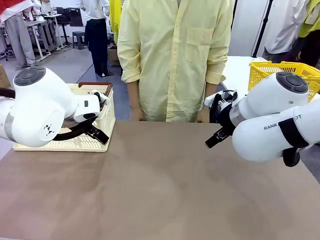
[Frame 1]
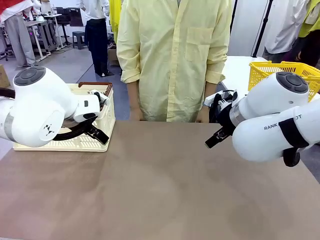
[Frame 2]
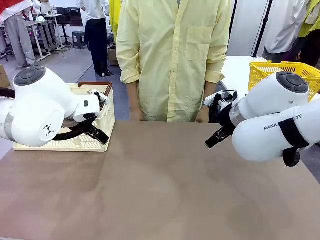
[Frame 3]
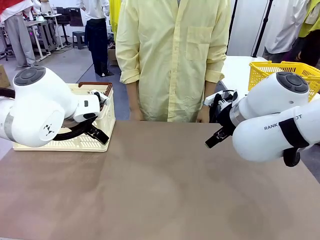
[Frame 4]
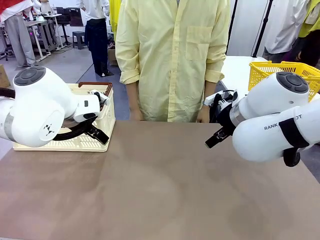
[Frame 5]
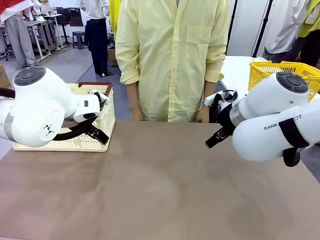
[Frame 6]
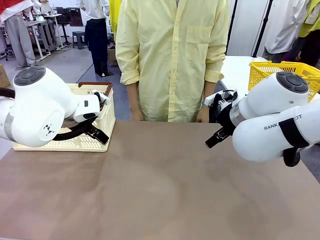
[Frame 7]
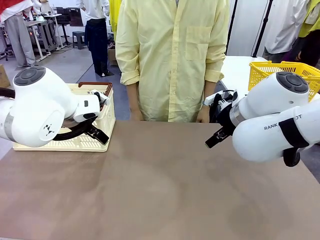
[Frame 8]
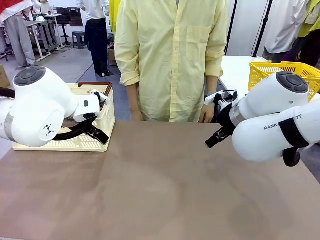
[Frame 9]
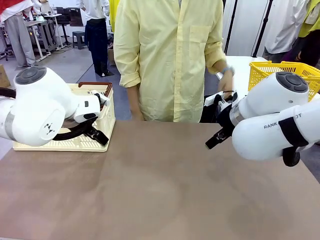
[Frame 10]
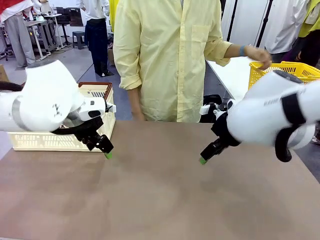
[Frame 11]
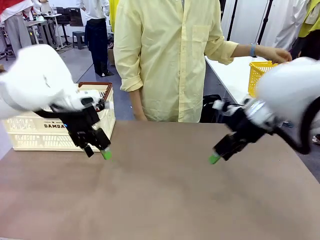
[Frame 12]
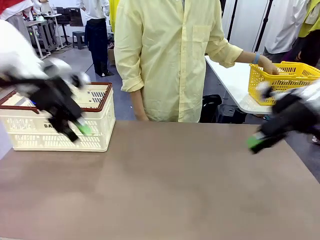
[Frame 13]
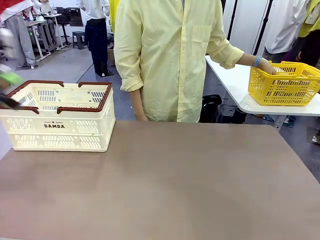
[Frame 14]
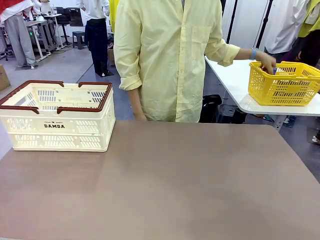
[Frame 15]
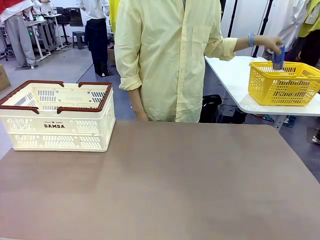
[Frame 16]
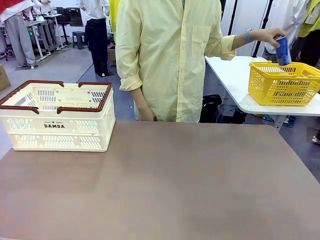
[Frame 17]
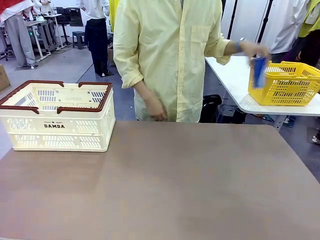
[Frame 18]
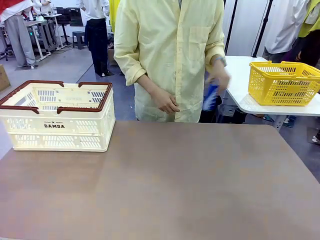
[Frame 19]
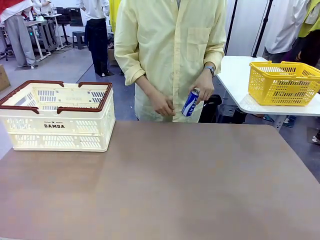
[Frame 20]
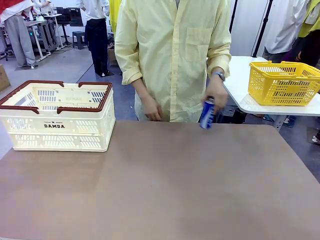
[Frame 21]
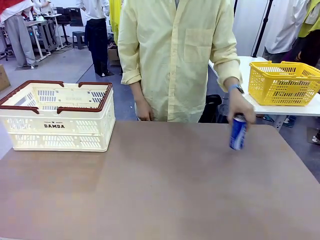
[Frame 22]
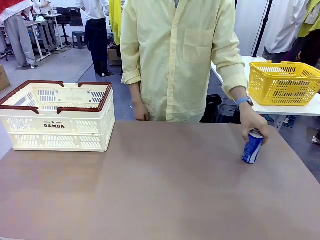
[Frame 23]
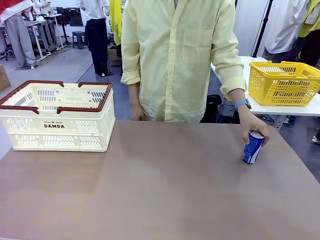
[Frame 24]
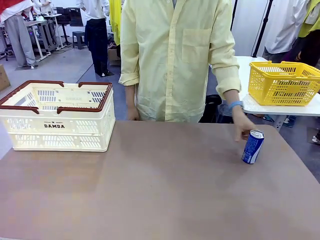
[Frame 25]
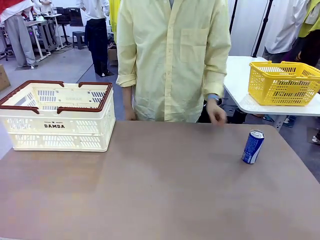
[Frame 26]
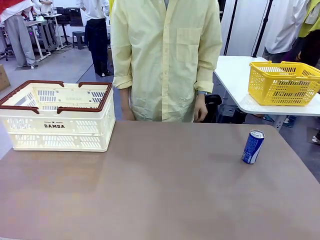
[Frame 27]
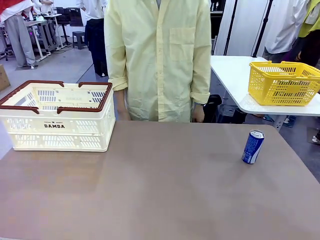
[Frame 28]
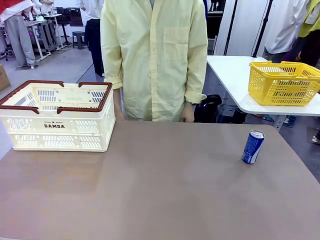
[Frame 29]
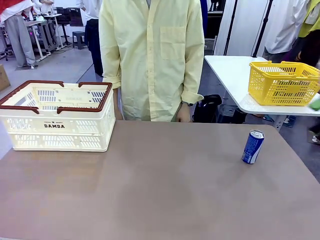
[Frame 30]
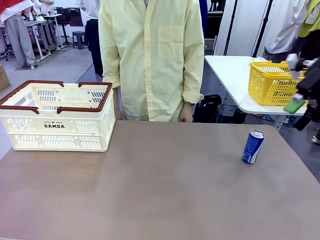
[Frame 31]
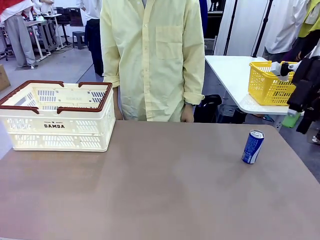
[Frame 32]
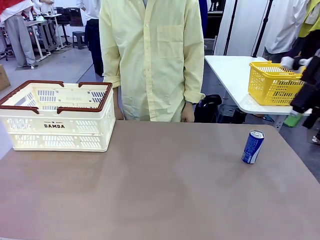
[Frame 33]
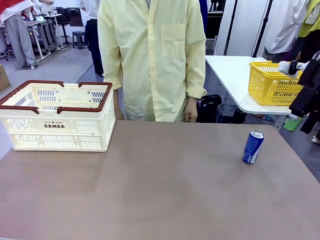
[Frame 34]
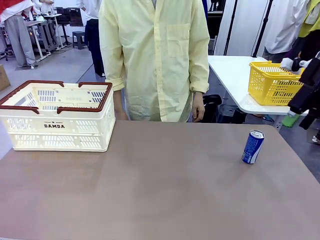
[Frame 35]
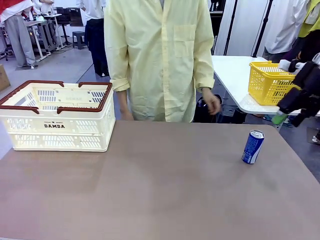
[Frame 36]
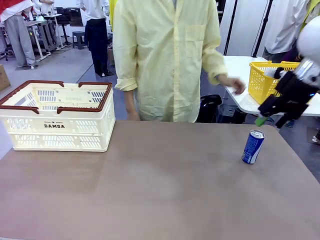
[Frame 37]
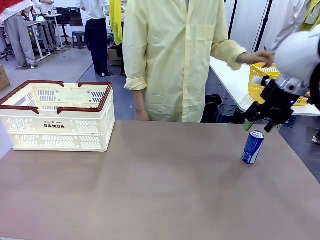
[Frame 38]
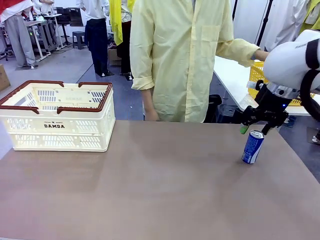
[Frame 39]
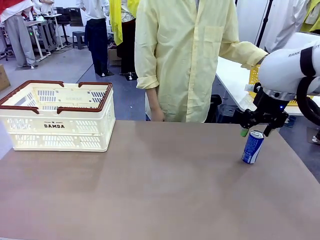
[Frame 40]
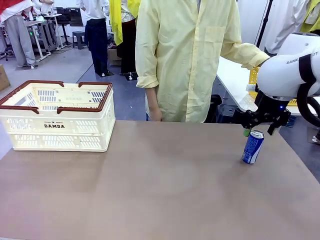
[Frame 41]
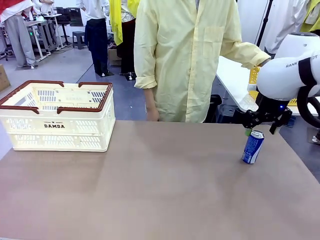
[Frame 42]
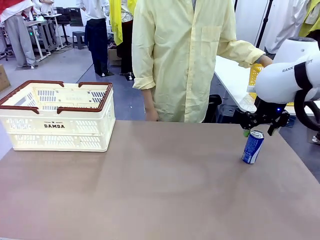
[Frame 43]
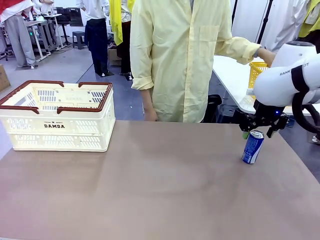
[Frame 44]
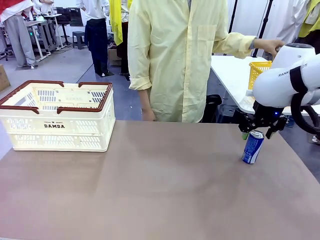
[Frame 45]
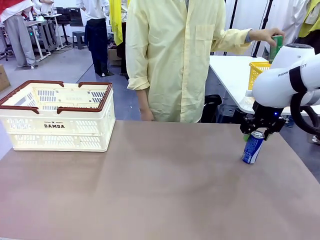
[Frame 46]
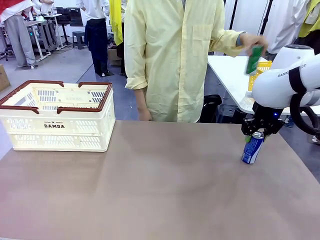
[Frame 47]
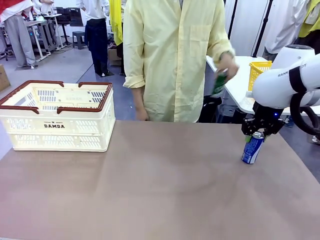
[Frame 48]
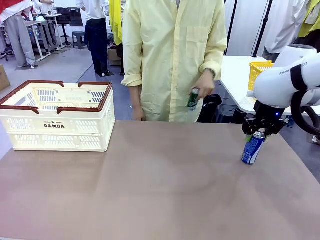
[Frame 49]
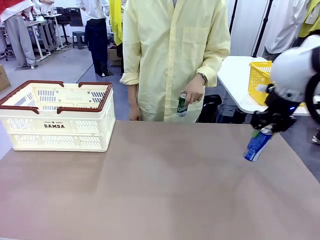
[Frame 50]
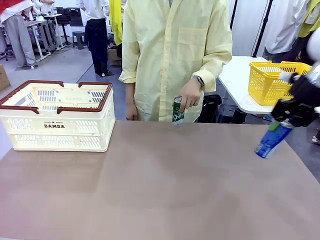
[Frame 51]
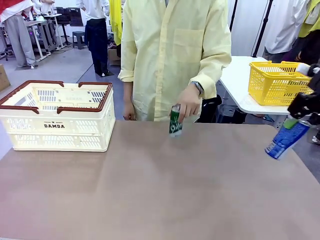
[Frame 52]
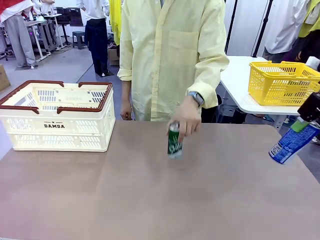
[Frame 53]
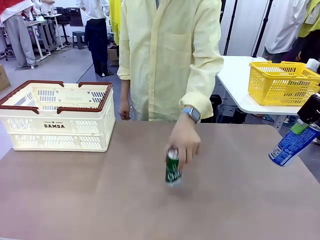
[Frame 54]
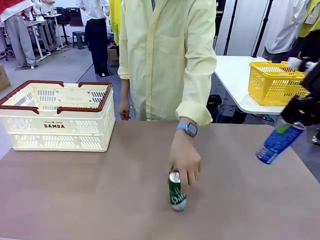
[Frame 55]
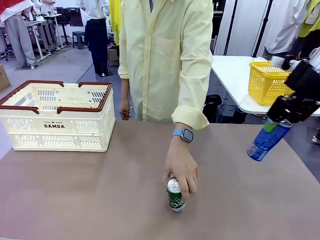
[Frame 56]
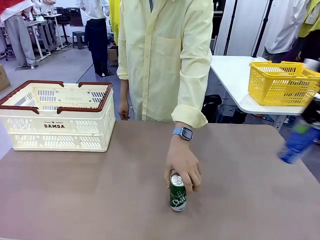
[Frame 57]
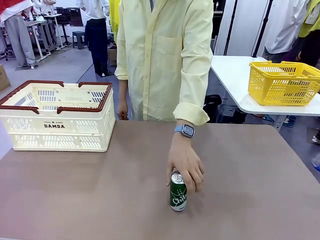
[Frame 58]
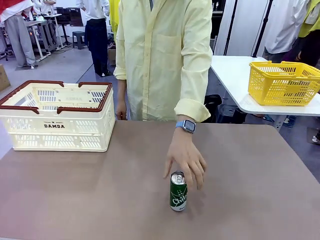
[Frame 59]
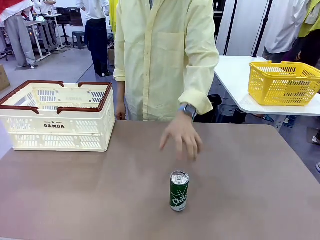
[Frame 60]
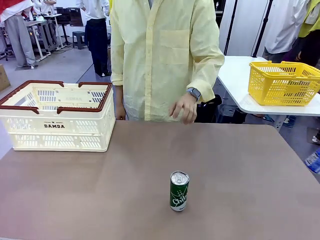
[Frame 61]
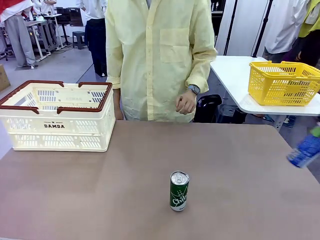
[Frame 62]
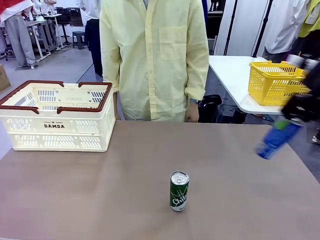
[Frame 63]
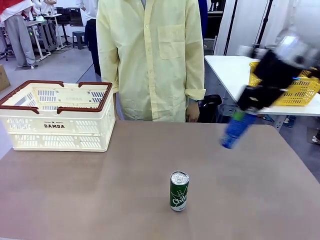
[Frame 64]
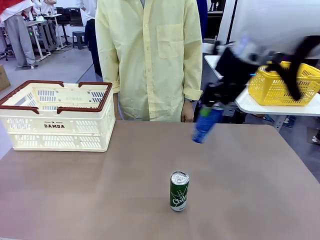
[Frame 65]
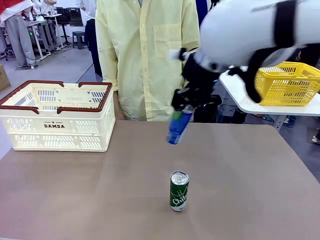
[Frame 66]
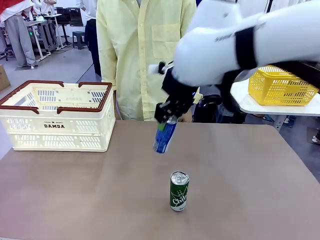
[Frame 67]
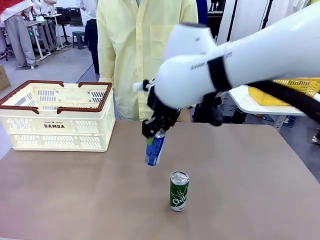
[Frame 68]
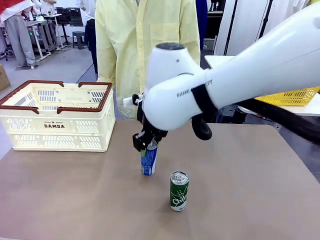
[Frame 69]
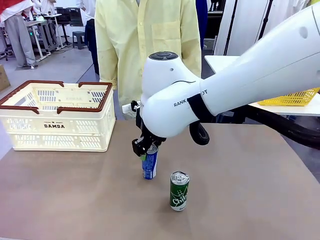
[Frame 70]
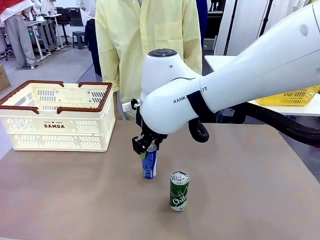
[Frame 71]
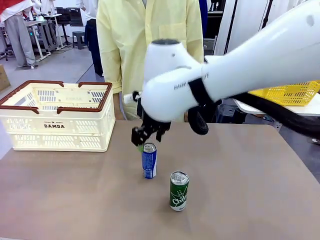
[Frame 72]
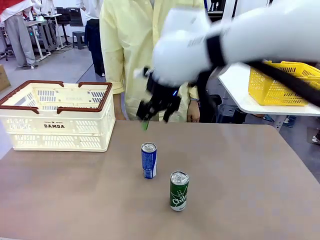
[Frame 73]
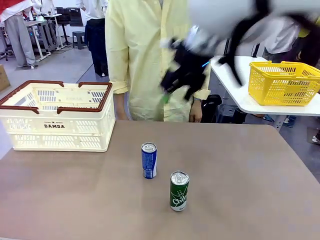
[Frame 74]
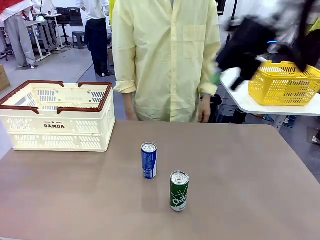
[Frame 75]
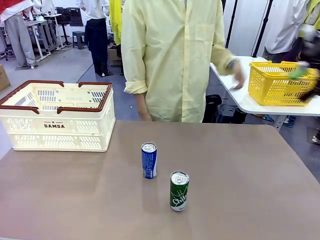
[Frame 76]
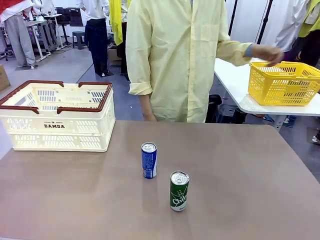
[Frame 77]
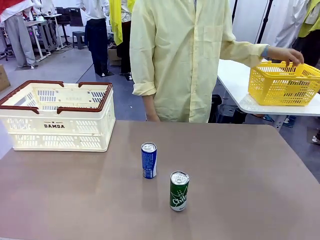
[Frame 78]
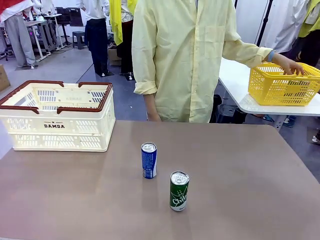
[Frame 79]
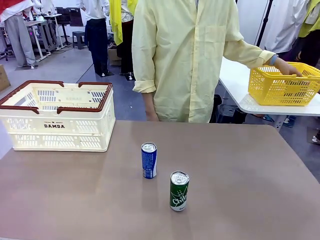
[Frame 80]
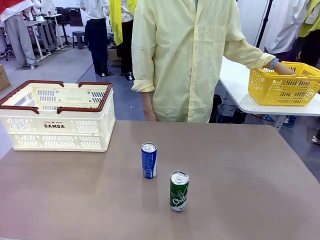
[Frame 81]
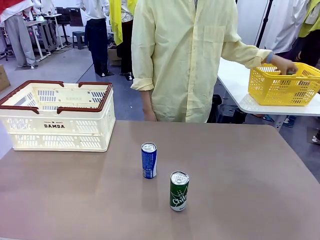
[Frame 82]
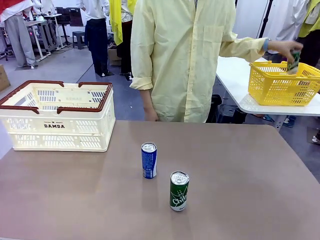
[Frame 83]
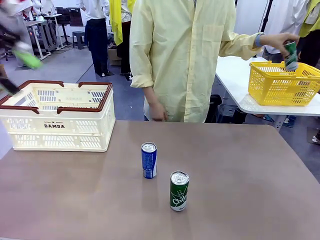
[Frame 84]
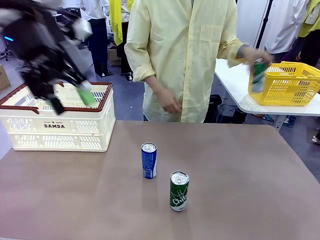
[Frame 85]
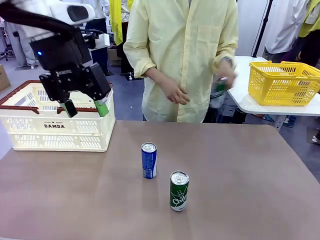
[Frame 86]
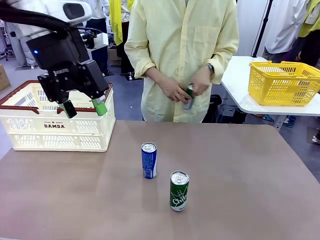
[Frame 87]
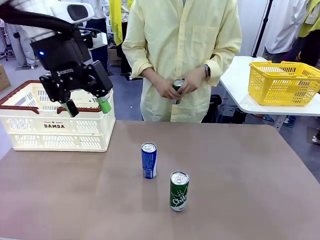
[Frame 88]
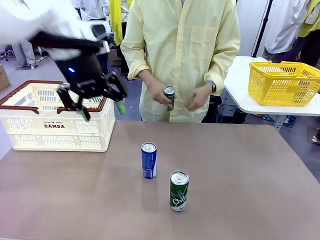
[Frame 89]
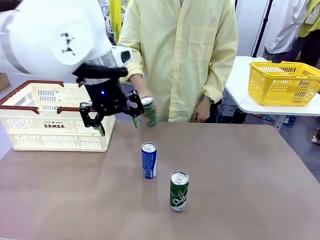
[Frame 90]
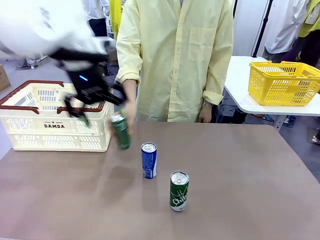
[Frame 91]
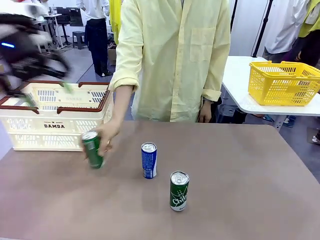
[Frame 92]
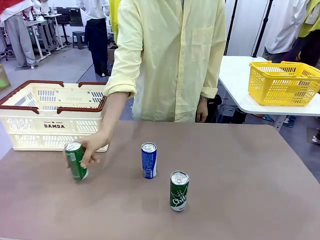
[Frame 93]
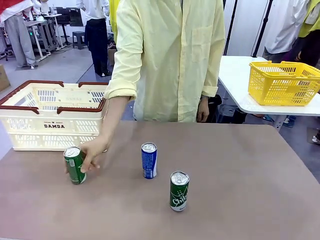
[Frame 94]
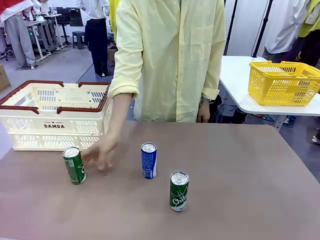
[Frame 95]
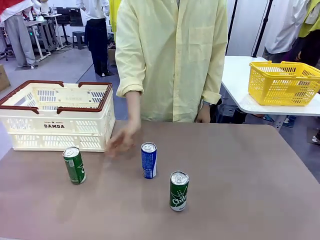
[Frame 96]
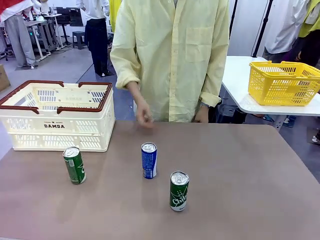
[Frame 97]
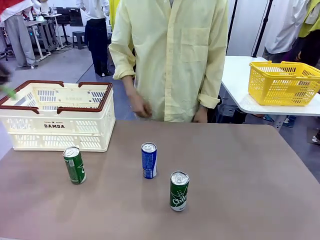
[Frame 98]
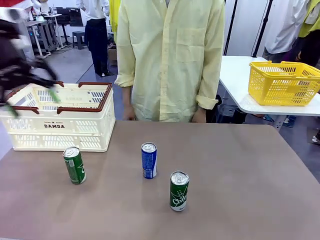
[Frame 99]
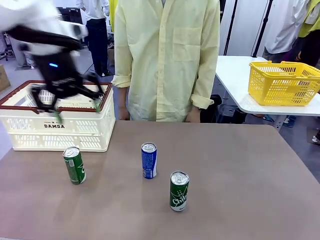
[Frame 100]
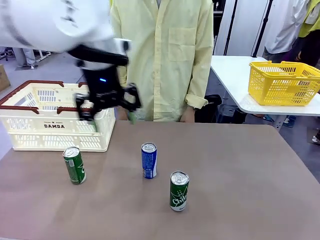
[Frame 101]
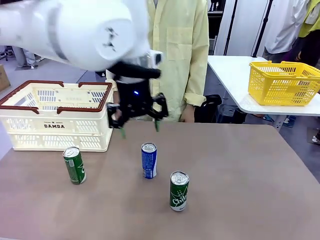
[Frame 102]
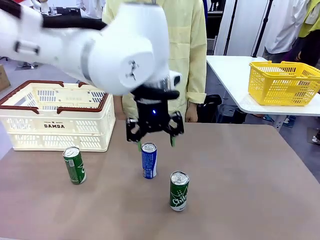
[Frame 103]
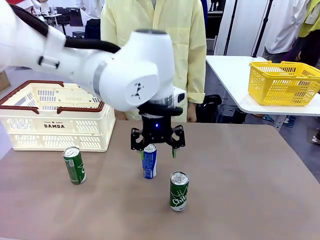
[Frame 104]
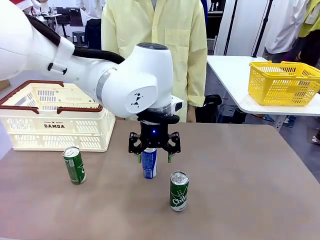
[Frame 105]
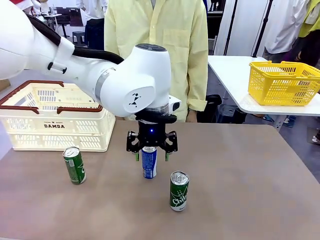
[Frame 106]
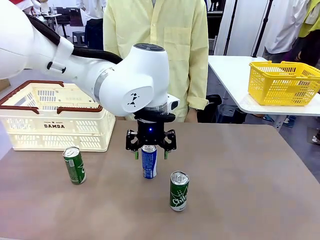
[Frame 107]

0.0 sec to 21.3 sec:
Task: Place the drinks into the Shopping basket.
Robot: Pick up one drink and place it into the Shopping basket.
